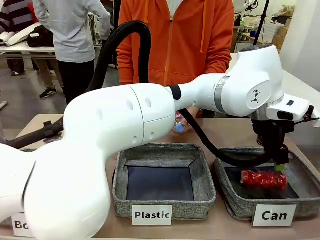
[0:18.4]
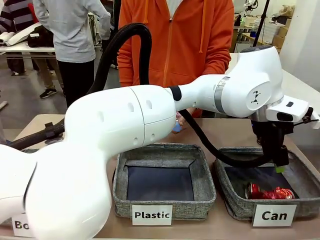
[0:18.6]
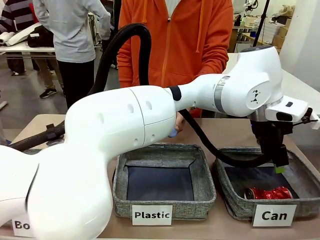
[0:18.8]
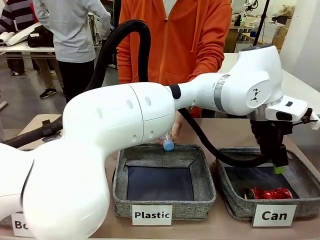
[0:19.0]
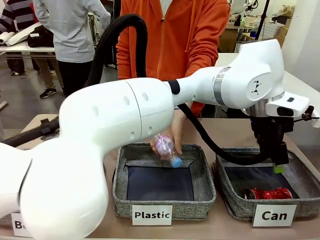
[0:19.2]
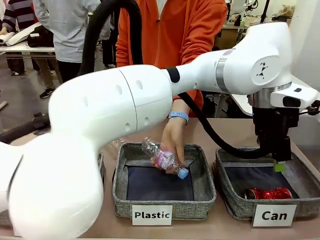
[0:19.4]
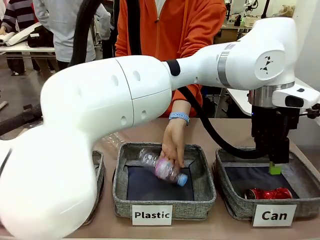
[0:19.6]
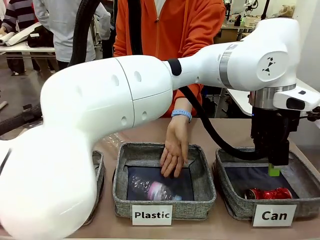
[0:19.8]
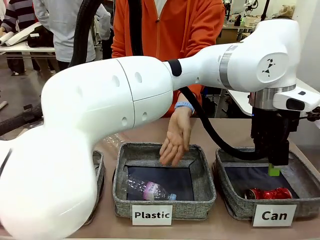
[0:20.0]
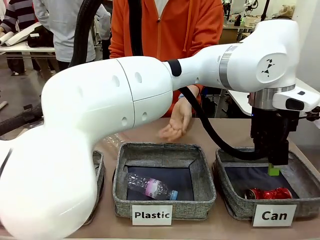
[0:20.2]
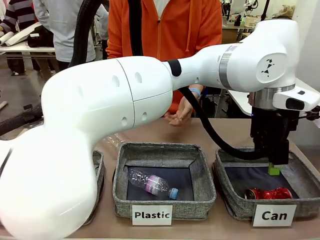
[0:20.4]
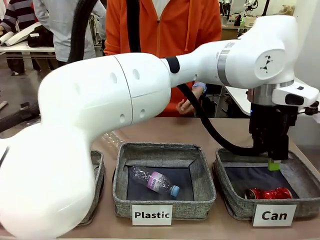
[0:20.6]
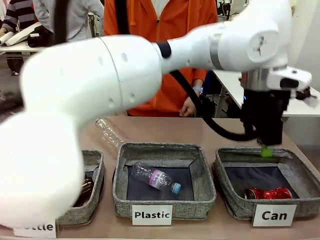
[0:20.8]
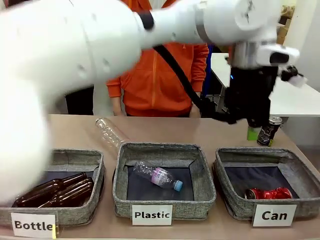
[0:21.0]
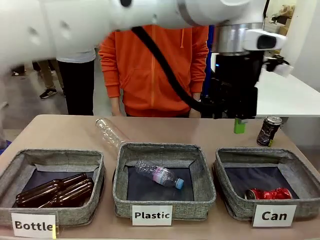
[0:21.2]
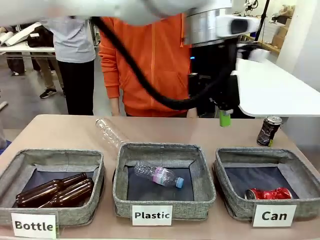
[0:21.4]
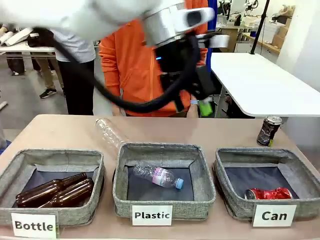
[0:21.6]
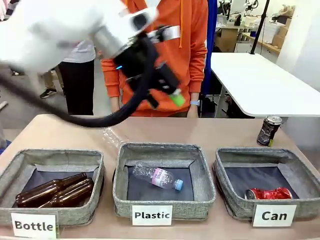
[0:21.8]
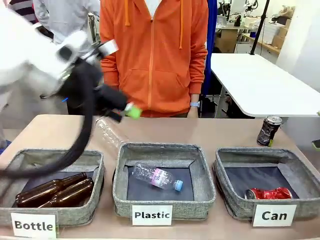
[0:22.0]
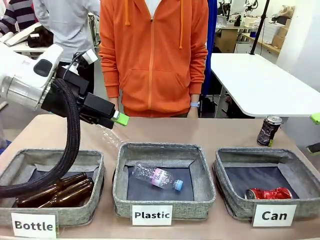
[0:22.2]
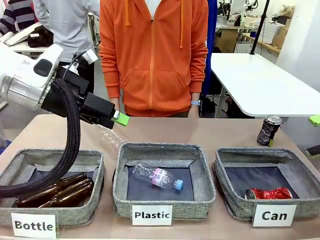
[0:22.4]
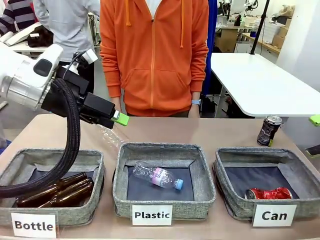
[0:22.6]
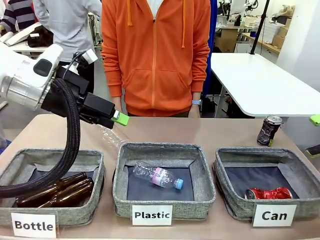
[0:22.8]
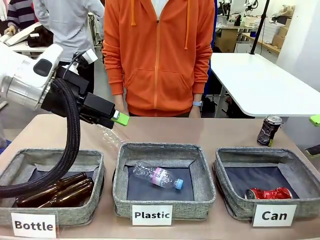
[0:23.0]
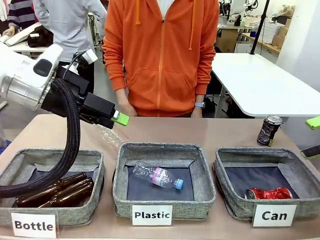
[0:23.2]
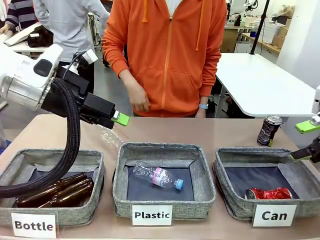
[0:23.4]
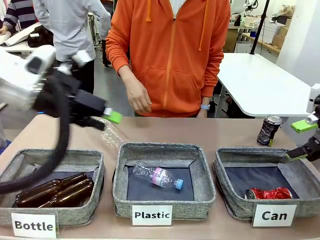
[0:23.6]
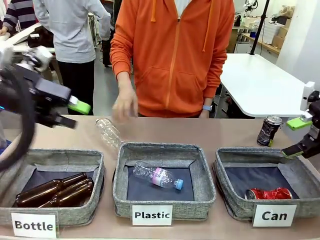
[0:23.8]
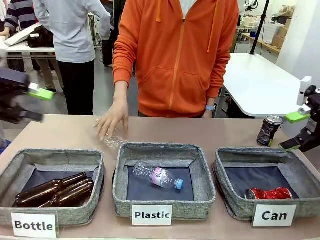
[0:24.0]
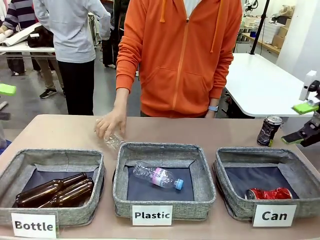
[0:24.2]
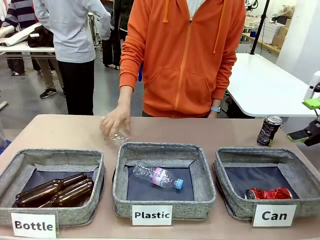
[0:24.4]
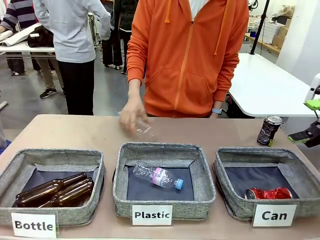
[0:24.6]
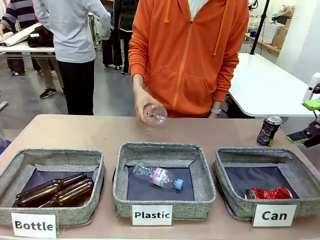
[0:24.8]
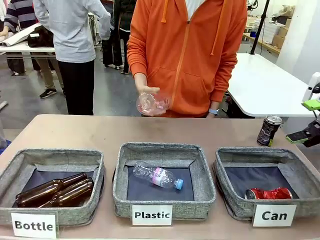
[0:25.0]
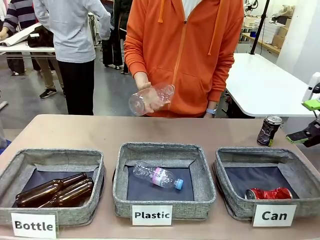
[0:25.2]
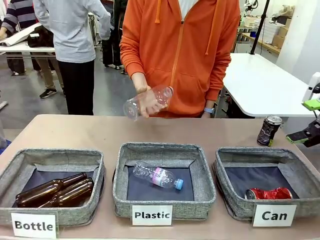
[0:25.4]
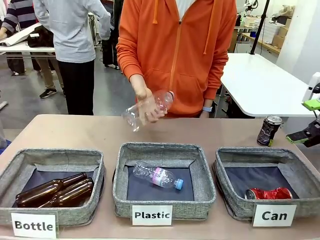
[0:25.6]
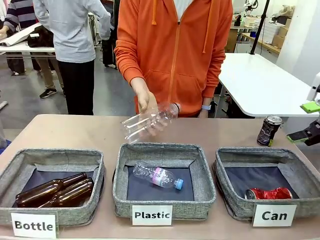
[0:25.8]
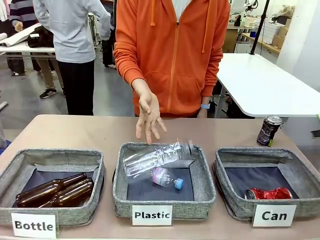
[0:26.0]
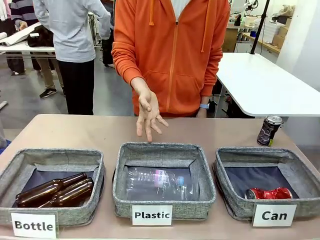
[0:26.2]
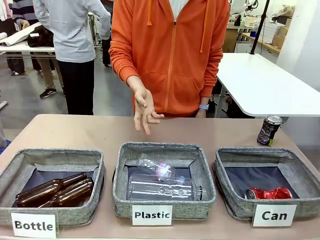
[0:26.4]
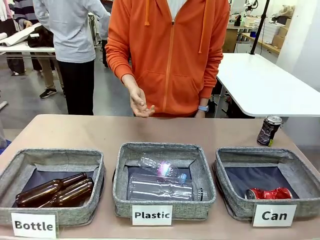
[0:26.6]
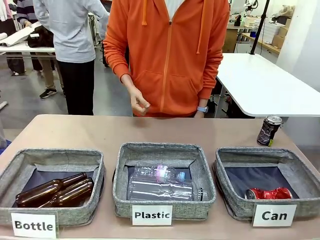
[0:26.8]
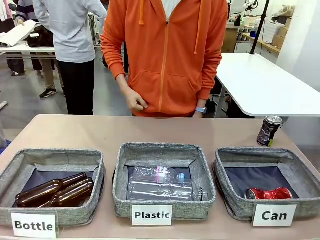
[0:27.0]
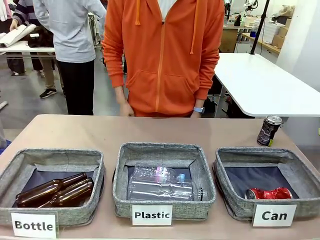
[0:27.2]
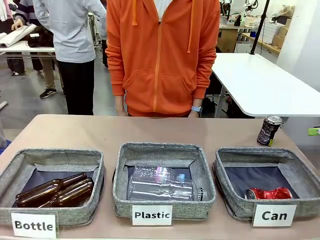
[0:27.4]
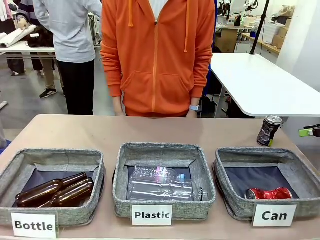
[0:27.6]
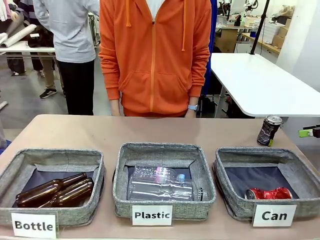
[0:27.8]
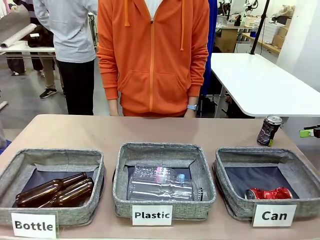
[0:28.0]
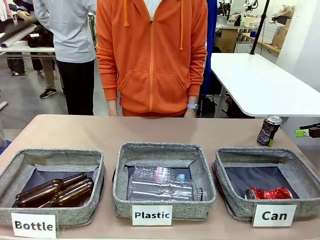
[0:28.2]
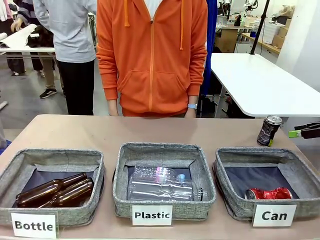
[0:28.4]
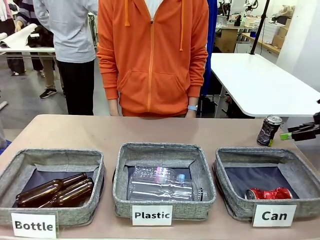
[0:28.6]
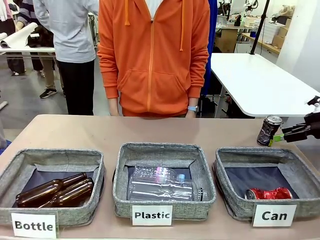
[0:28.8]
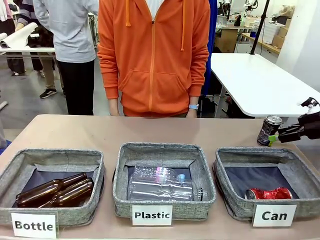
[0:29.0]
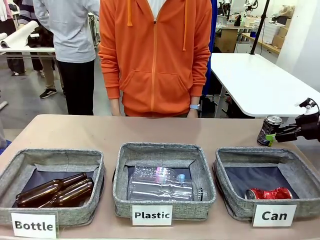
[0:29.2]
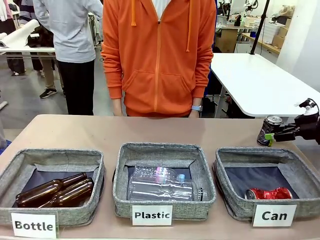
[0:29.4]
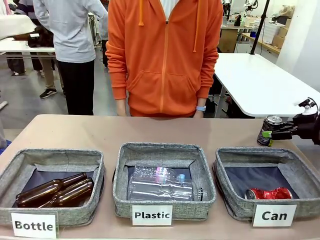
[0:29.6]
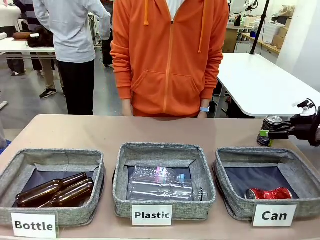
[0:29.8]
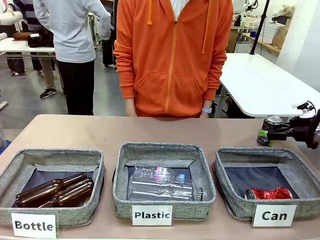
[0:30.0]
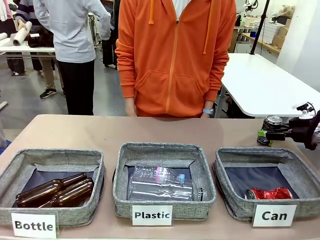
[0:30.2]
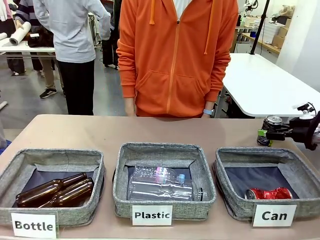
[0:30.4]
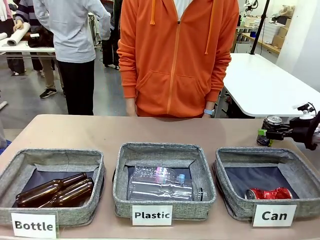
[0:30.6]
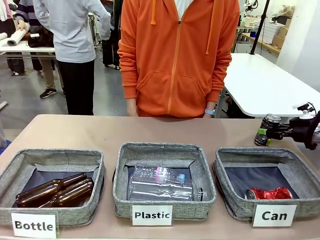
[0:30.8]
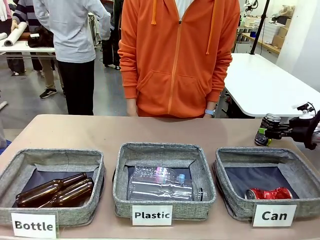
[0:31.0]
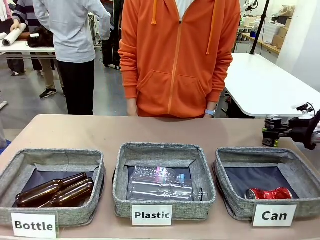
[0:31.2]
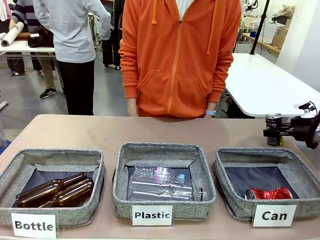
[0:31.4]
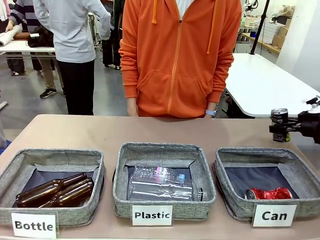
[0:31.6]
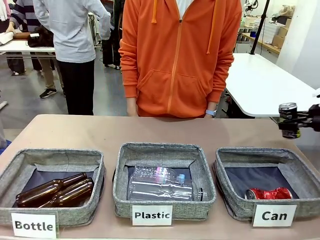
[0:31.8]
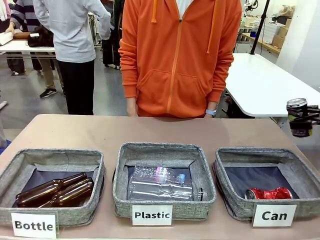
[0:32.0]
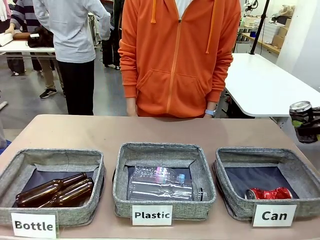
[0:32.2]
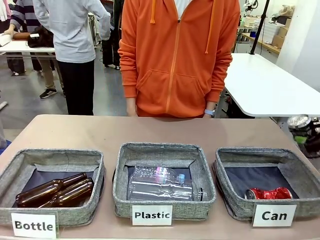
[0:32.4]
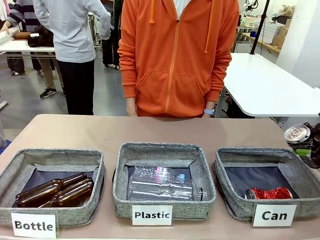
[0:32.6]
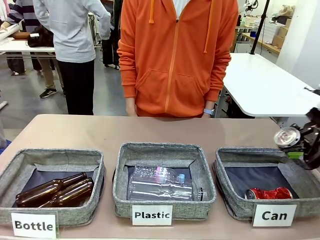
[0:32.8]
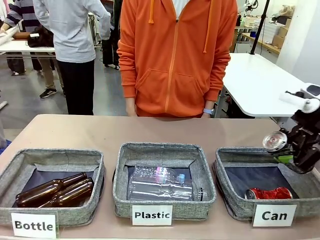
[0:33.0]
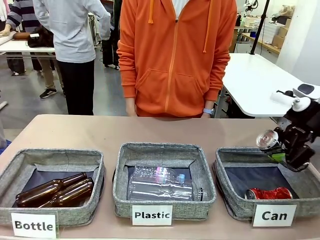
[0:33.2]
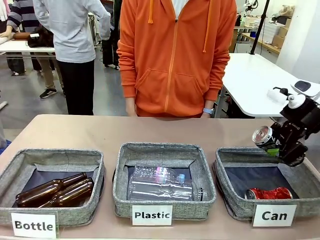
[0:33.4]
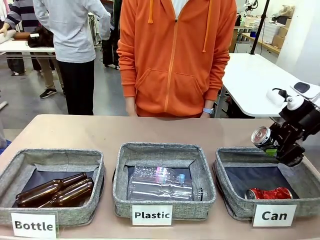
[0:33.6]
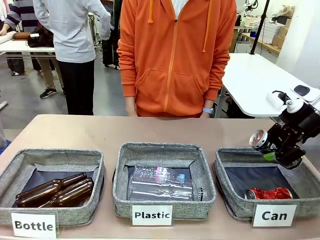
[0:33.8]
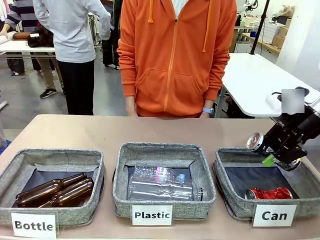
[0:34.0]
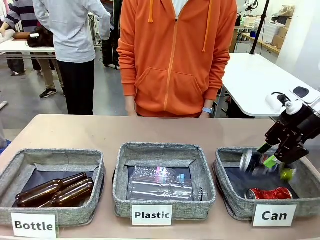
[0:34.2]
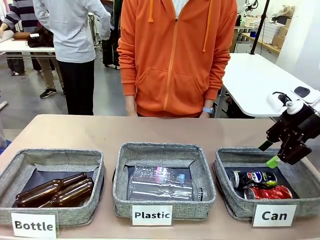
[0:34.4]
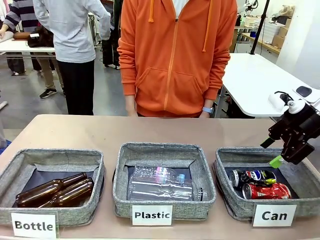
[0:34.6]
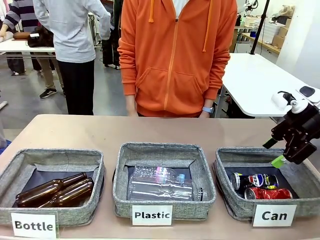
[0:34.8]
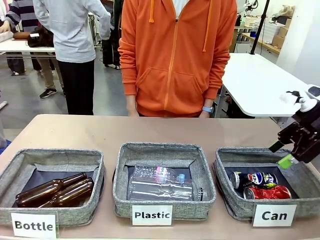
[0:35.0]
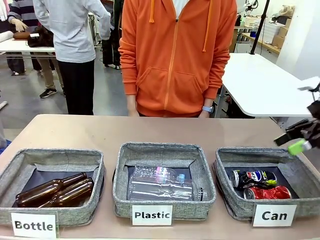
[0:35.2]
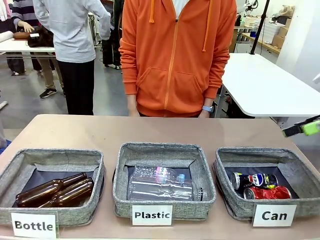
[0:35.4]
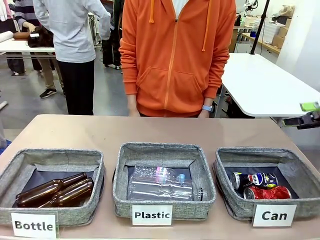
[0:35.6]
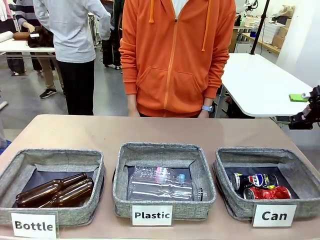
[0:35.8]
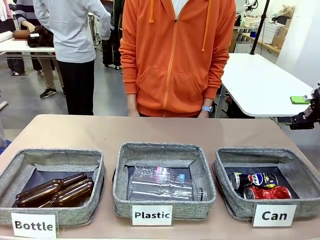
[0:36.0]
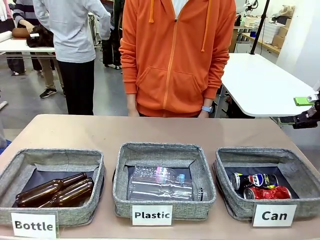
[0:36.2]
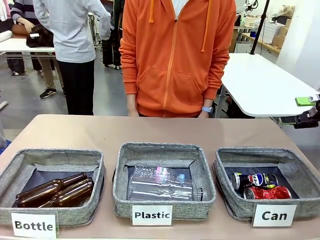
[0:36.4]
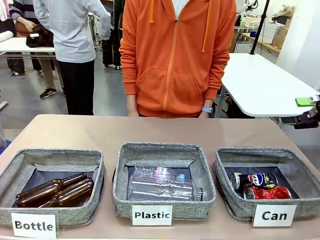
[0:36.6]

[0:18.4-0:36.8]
Task: Sort the can waste into the basket.
Robot: Pick up the can waste from the table and place it in the right Fabric basket.
